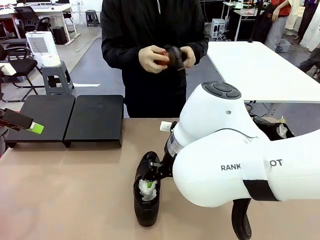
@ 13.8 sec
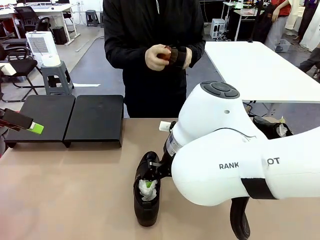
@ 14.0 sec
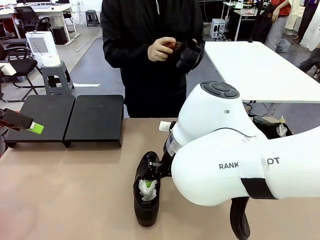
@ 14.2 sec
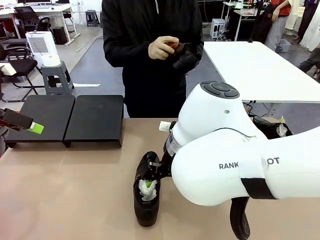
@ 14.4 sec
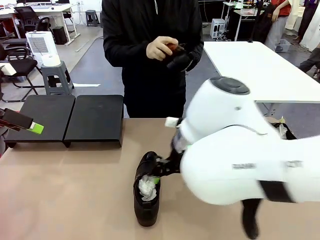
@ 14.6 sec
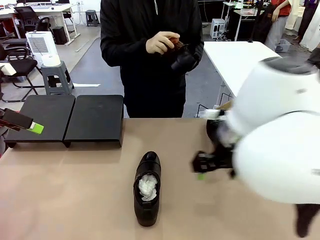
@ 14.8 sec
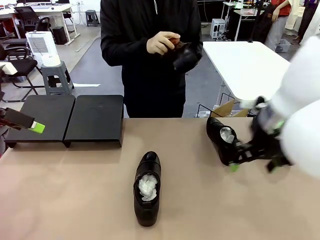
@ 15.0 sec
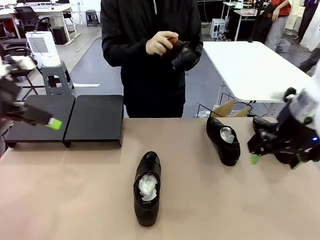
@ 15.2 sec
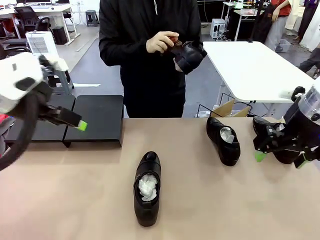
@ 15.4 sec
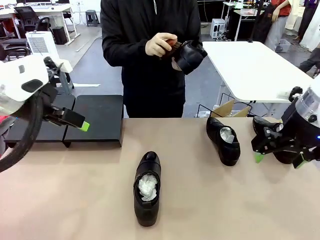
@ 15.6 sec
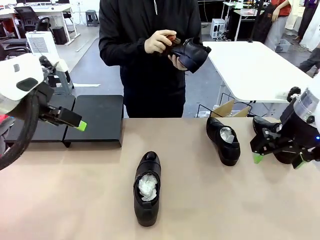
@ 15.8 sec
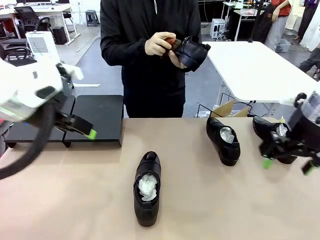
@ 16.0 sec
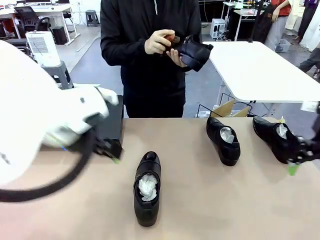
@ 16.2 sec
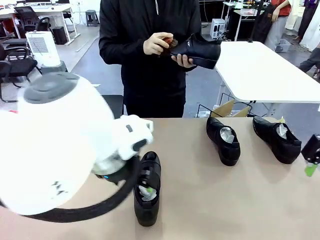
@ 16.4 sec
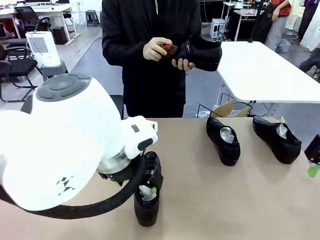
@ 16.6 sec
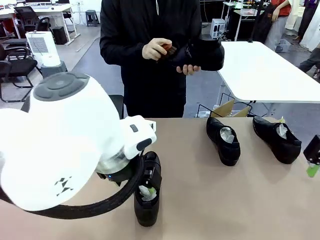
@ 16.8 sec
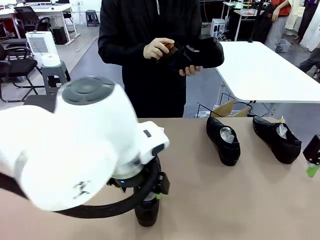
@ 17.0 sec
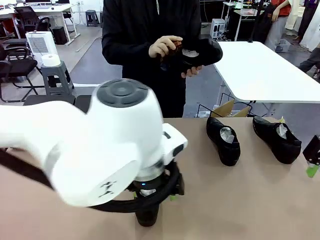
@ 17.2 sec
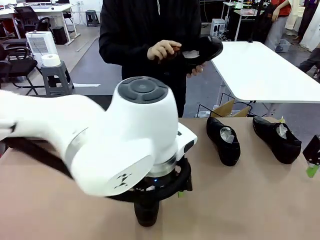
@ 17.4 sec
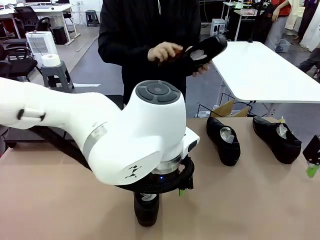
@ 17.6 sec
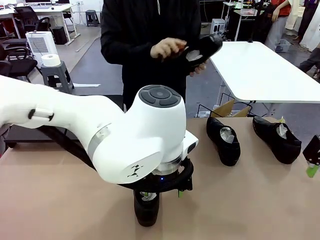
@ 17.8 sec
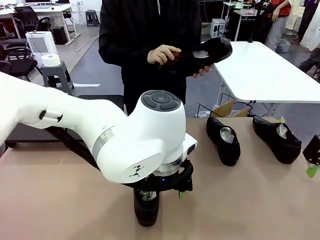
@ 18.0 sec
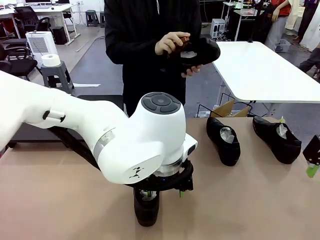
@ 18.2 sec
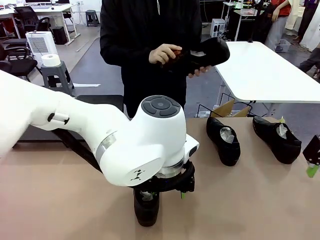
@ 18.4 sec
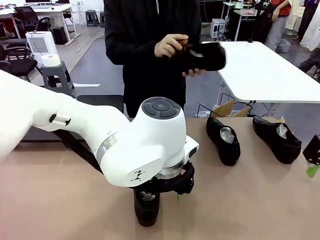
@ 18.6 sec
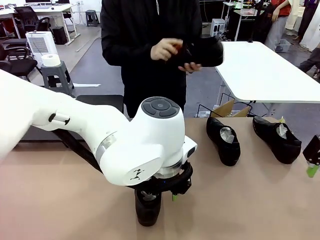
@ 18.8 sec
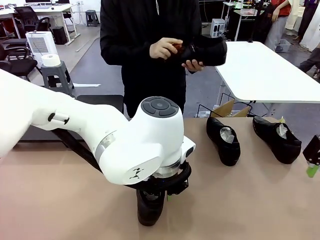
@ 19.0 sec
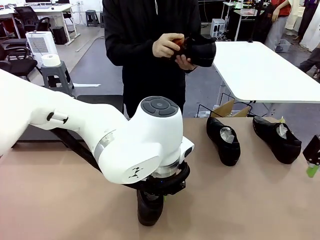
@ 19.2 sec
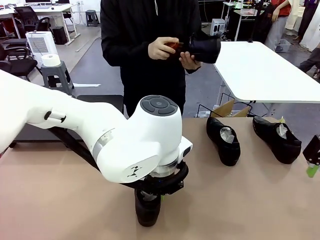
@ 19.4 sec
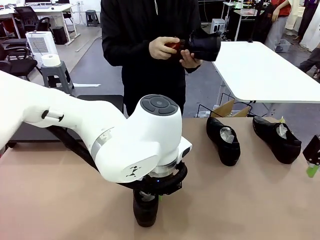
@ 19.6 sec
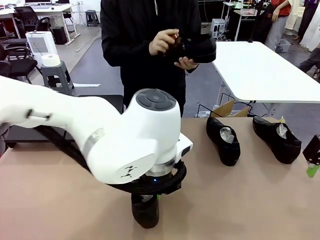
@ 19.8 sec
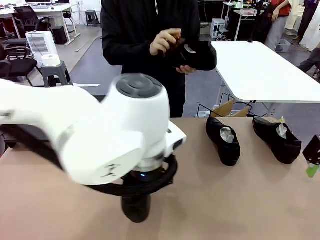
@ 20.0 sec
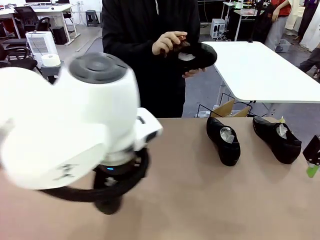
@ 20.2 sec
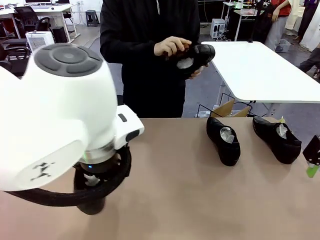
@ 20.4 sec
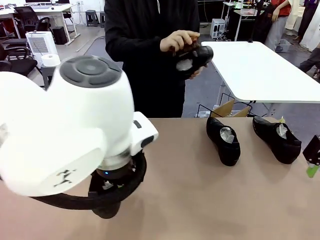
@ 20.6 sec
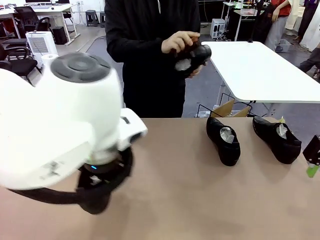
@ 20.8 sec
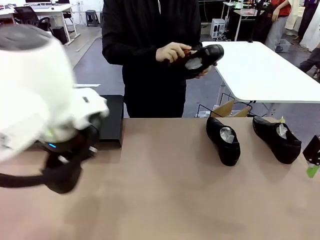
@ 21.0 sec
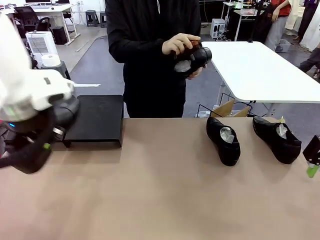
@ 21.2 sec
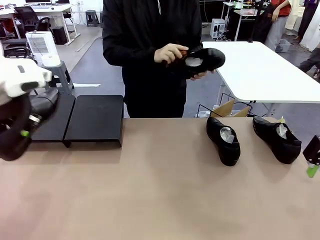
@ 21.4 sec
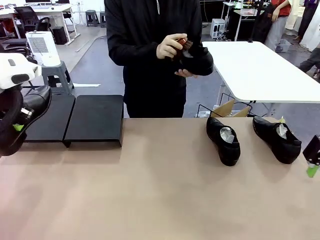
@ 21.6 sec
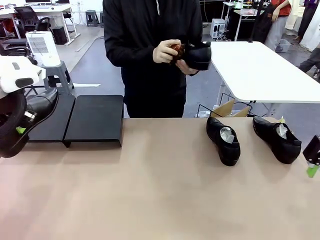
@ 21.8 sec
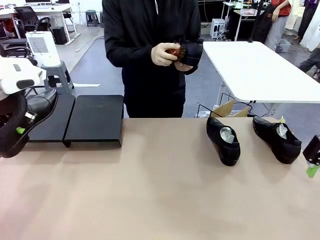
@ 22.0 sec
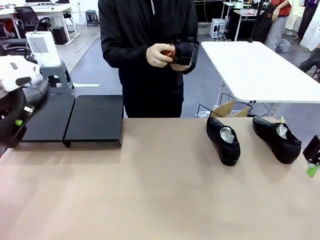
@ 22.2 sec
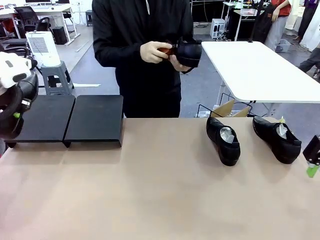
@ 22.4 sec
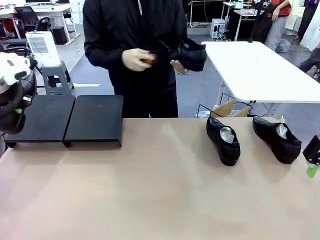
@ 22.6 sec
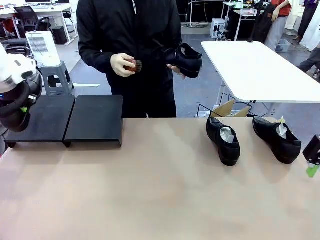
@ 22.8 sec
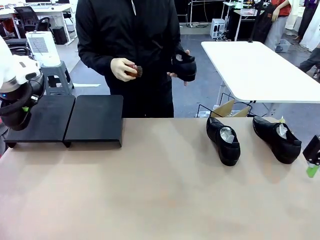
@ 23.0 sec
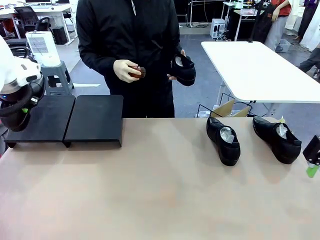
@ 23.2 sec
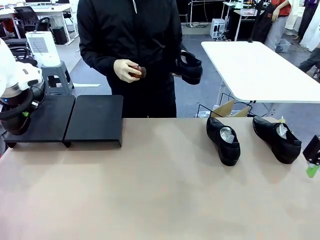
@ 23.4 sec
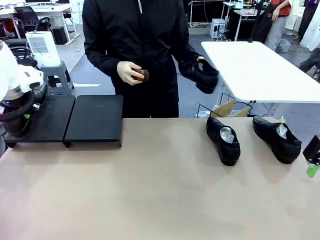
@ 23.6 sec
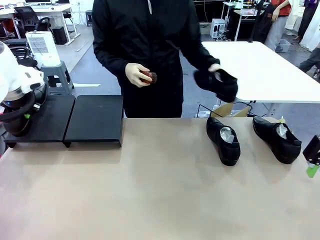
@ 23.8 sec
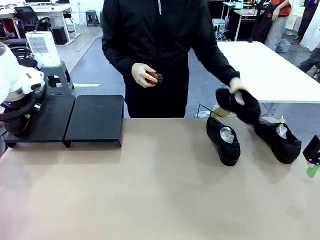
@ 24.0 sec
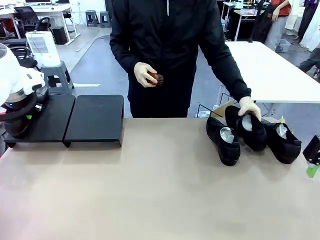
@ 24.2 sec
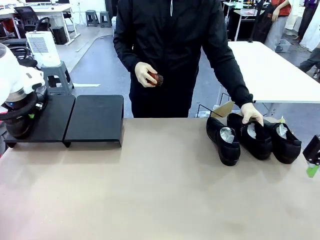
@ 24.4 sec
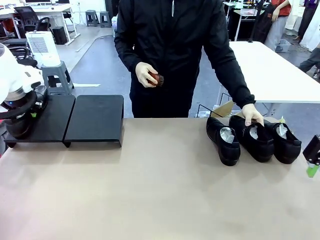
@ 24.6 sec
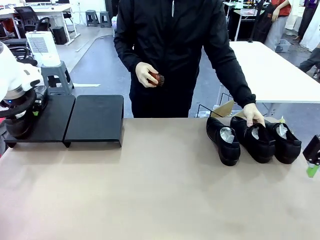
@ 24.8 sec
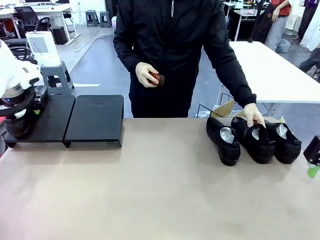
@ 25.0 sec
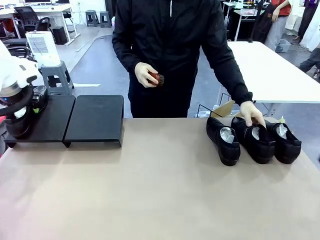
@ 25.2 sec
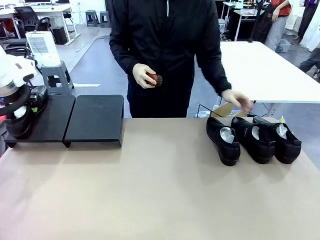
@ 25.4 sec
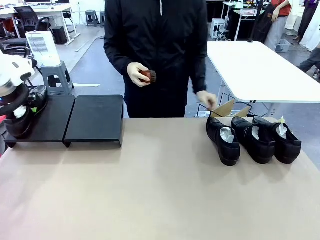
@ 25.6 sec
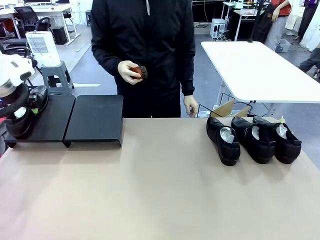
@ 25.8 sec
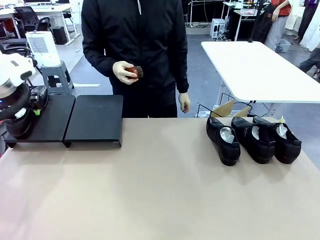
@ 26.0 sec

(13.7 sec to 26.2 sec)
Task: Organize the shoes by placing them on the stand.
Robot: Place the Shoe from the middle of the table onto the Shoes Stand.
Person: Clean the Shoe with the Shoe Brush. Place the Shoe on left side of the Robot's table.

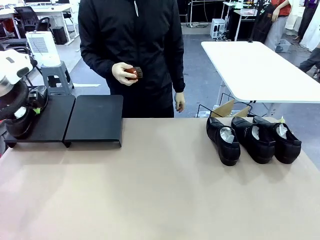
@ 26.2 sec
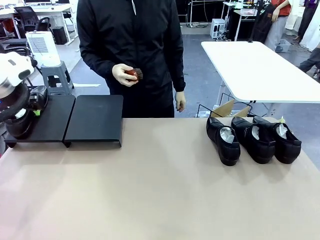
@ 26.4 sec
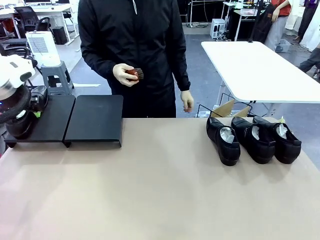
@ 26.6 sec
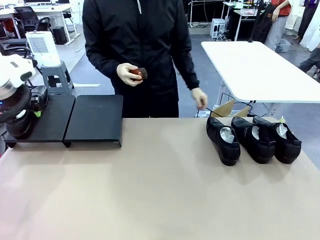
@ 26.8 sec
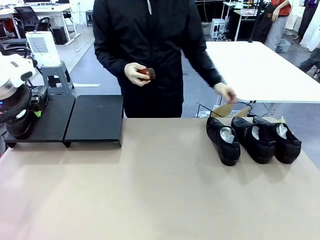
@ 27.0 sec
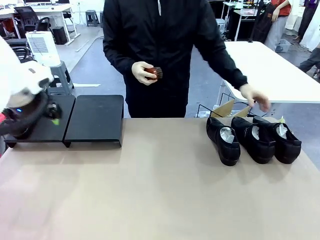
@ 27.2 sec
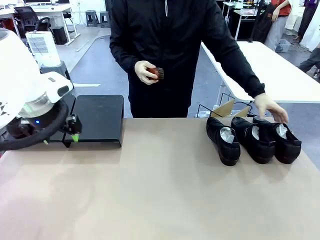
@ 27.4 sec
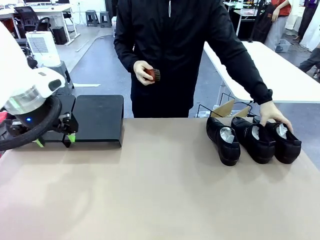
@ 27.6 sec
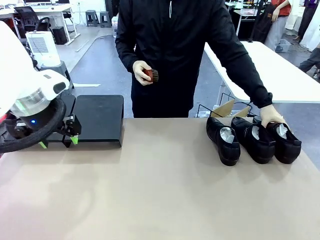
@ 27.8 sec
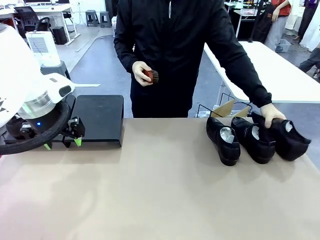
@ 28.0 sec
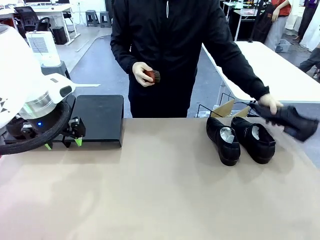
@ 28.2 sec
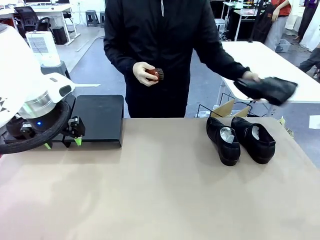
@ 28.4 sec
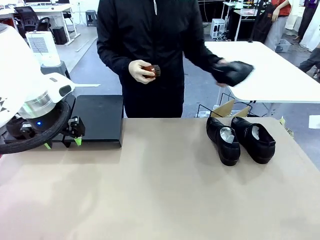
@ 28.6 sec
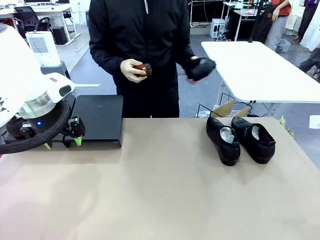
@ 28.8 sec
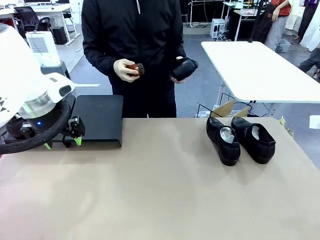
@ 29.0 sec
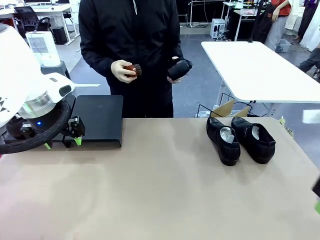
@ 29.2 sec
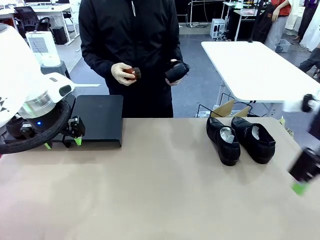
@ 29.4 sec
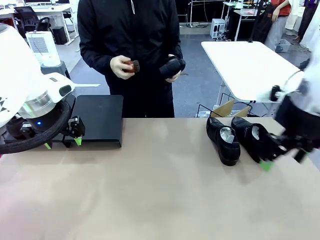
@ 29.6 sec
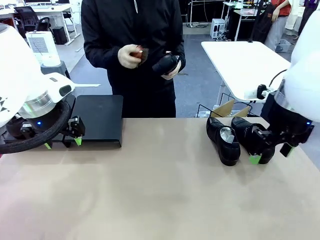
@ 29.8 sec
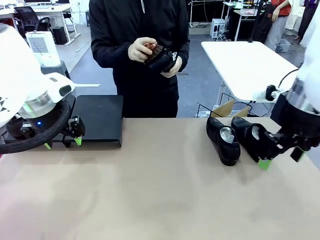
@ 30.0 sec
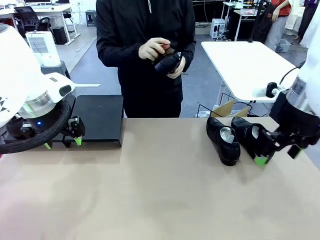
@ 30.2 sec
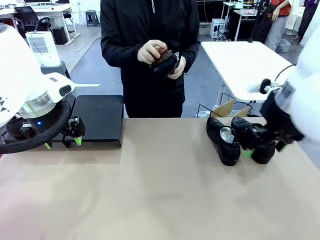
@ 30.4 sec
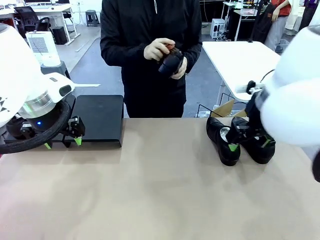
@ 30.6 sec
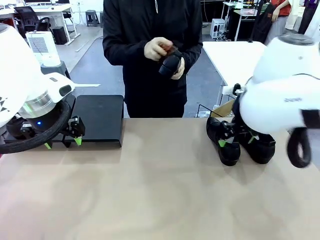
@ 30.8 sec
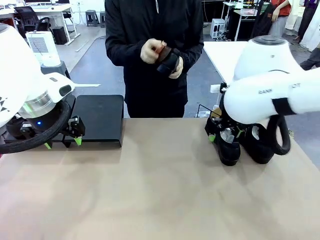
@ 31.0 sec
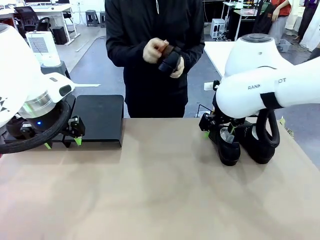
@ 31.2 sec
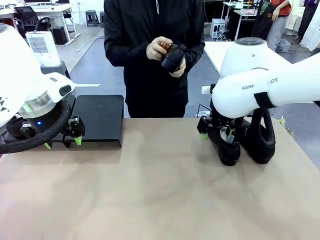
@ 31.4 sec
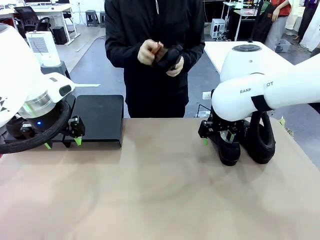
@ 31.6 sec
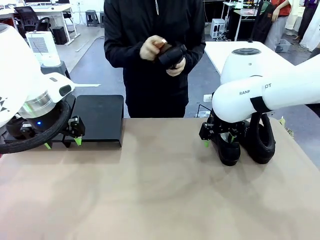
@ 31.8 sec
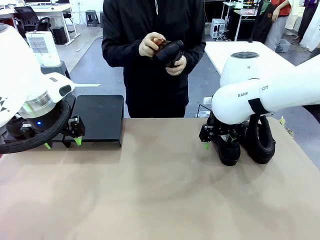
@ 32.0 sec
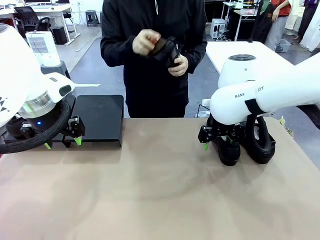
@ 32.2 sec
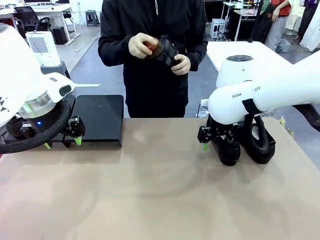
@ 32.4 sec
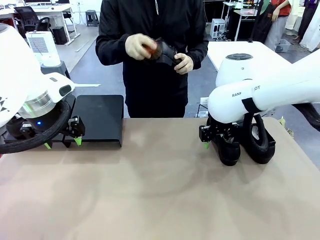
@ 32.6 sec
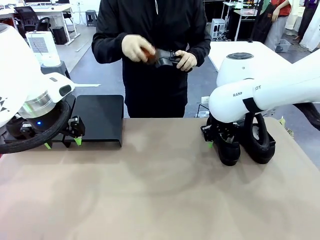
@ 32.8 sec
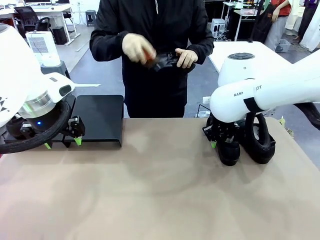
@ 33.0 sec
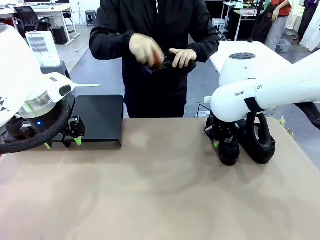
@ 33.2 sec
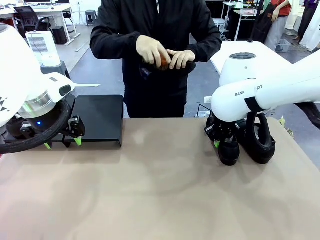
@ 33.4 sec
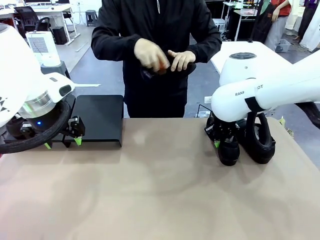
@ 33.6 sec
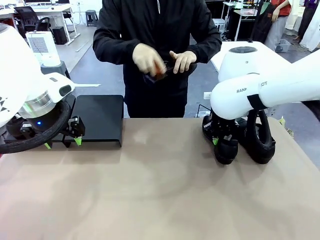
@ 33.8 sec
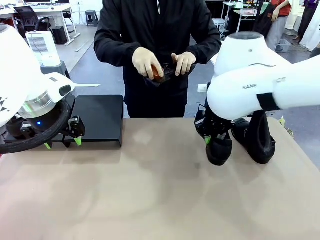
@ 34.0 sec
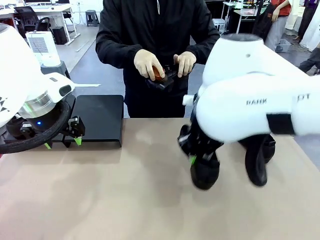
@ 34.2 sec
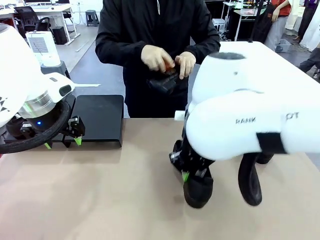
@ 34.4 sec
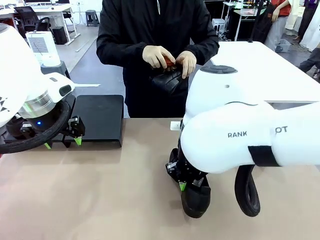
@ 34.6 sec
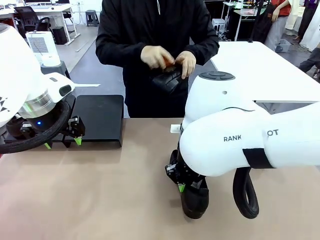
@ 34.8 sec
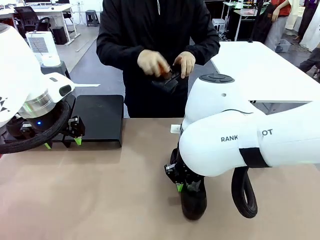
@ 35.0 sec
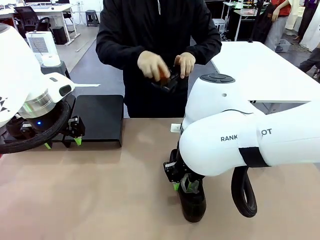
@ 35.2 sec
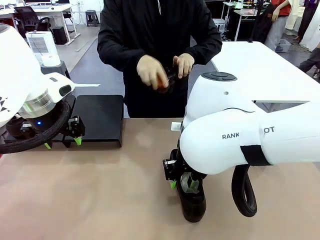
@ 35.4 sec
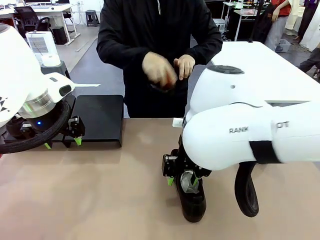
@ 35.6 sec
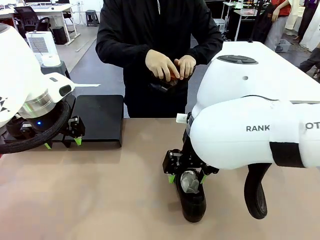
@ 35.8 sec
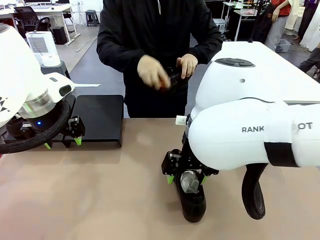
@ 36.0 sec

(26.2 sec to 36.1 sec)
Robot: Pick up one Shoe and place it in the middle of the table.
Person: Pick one Shoe on Robot's table.
